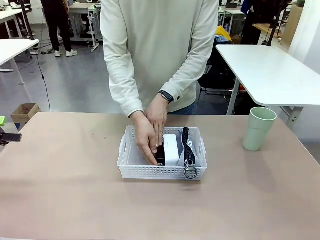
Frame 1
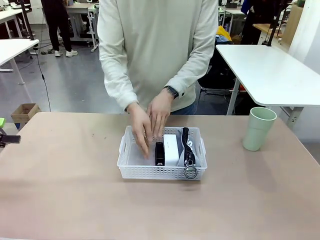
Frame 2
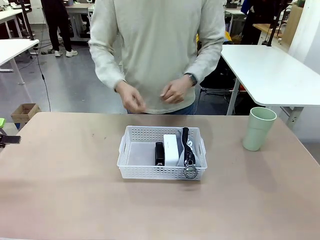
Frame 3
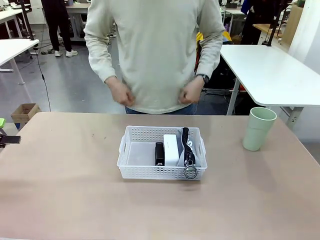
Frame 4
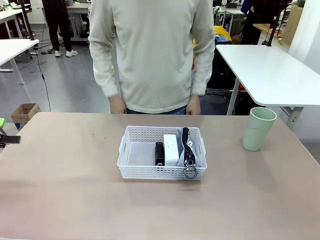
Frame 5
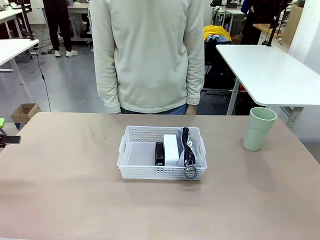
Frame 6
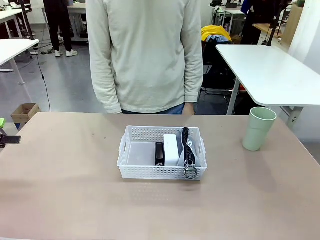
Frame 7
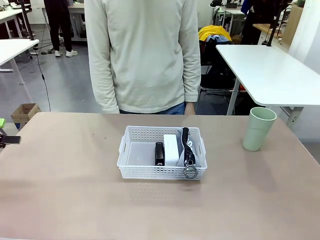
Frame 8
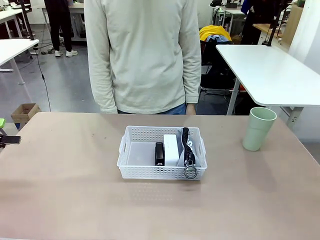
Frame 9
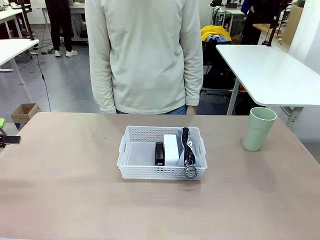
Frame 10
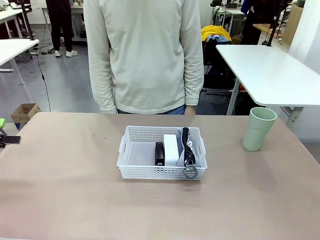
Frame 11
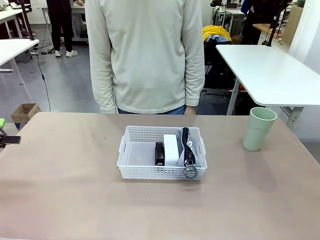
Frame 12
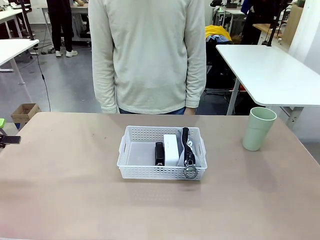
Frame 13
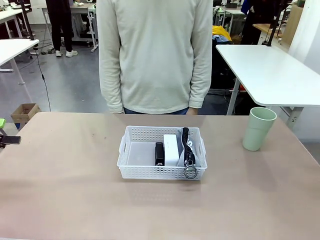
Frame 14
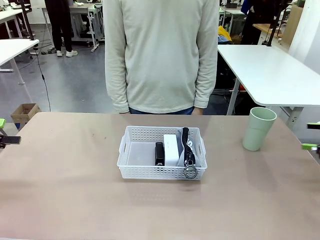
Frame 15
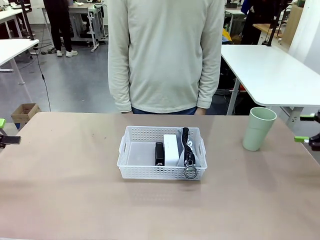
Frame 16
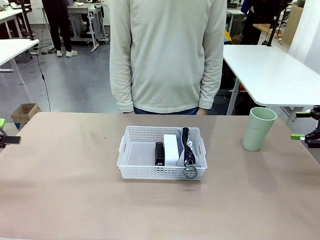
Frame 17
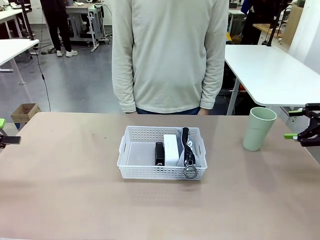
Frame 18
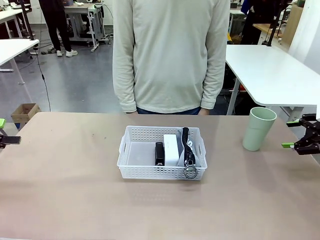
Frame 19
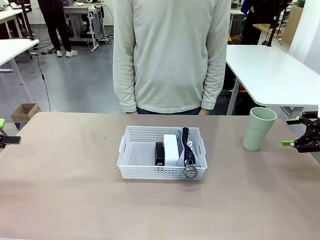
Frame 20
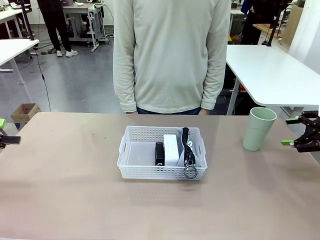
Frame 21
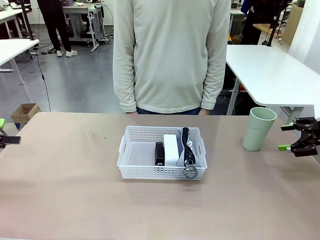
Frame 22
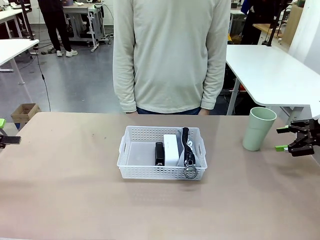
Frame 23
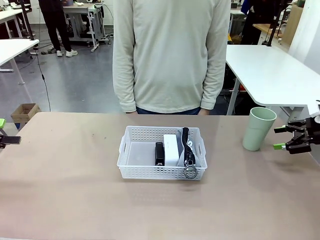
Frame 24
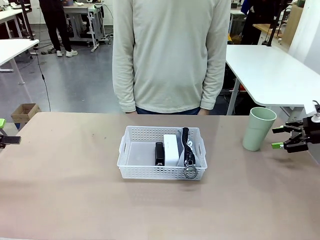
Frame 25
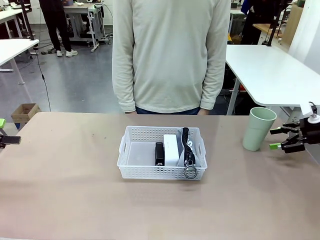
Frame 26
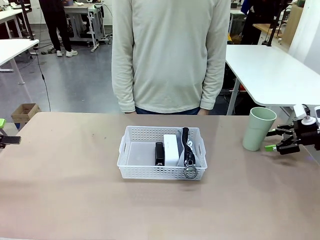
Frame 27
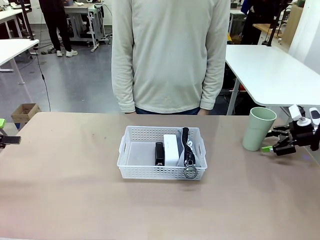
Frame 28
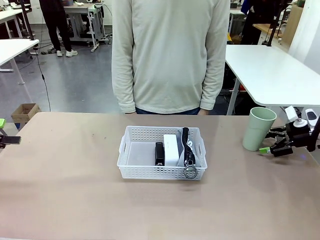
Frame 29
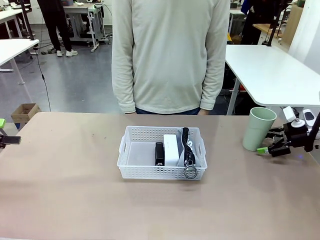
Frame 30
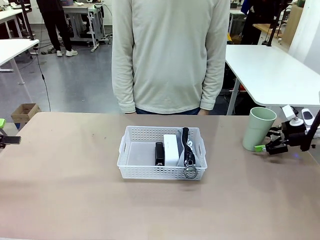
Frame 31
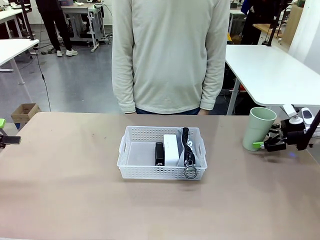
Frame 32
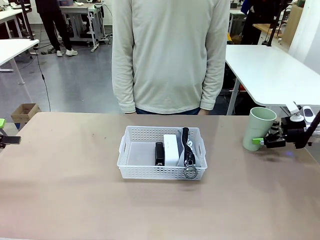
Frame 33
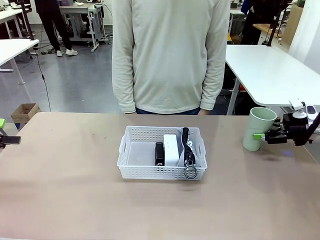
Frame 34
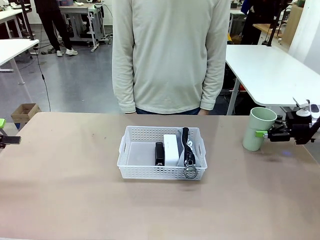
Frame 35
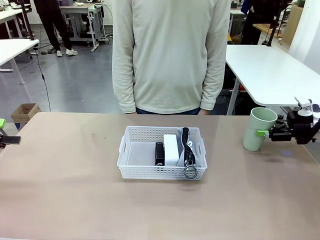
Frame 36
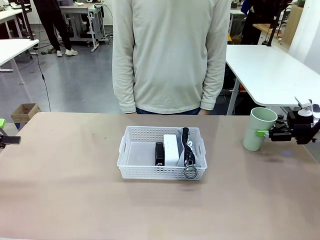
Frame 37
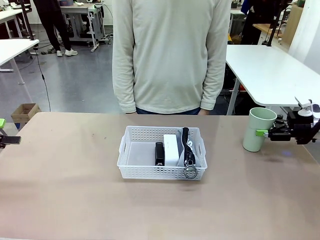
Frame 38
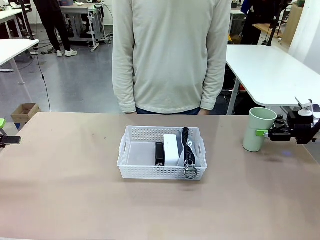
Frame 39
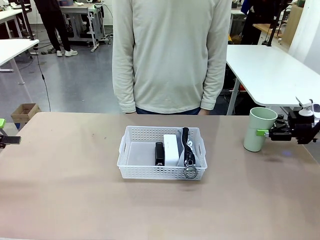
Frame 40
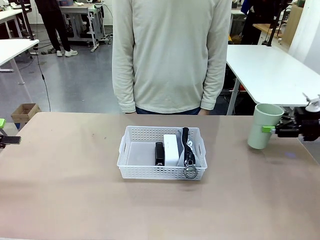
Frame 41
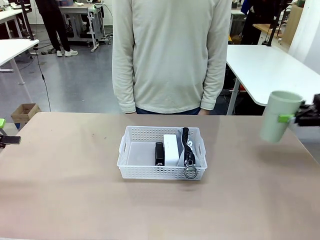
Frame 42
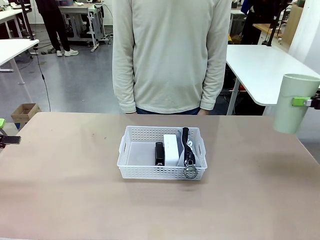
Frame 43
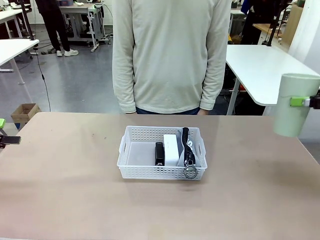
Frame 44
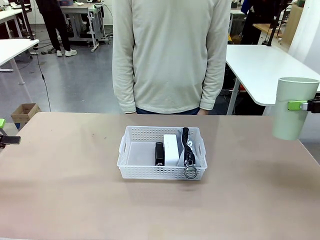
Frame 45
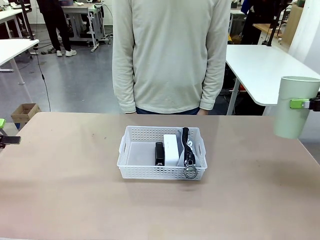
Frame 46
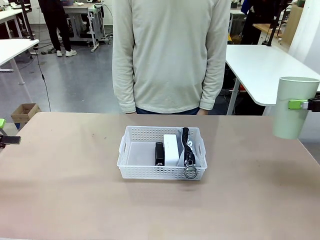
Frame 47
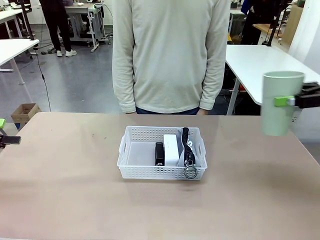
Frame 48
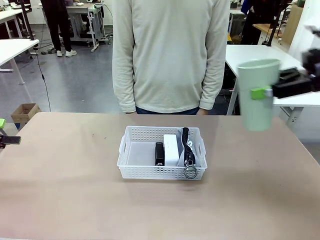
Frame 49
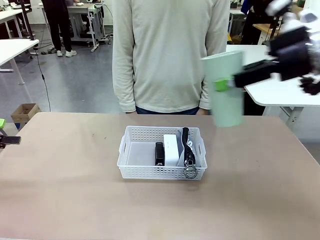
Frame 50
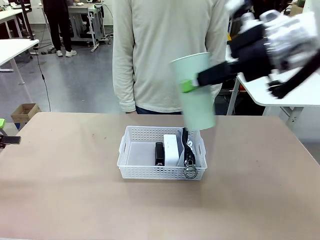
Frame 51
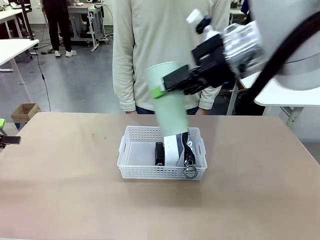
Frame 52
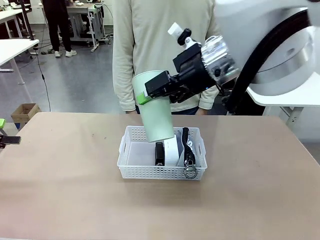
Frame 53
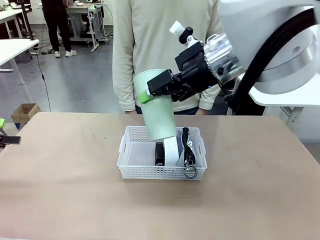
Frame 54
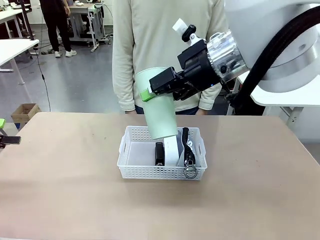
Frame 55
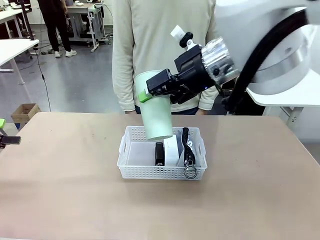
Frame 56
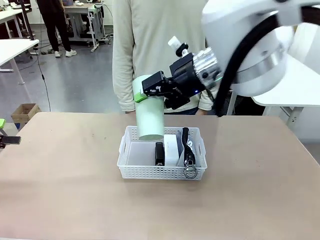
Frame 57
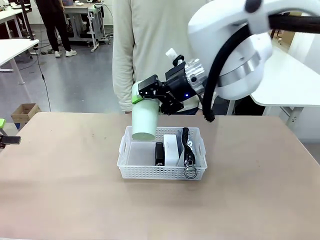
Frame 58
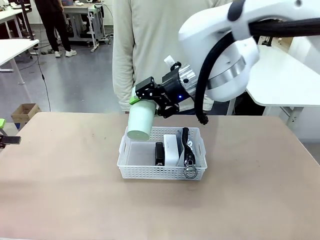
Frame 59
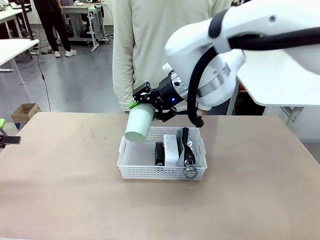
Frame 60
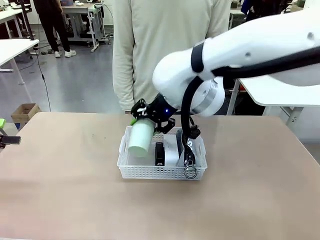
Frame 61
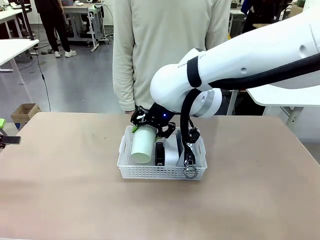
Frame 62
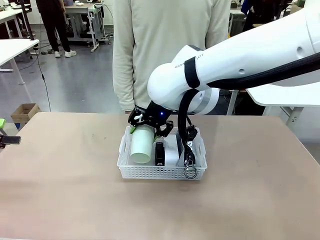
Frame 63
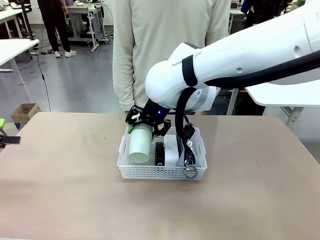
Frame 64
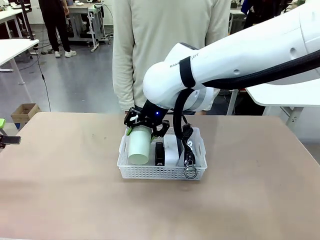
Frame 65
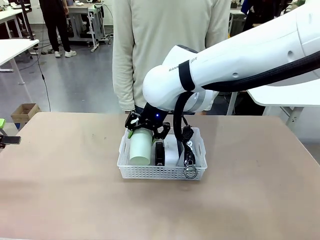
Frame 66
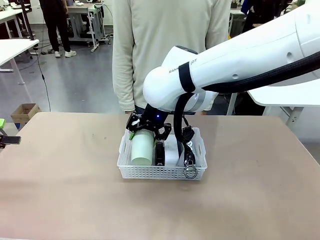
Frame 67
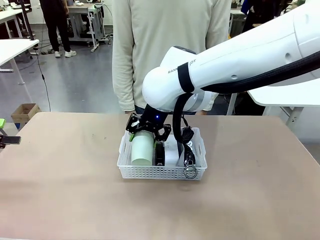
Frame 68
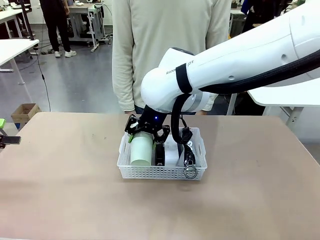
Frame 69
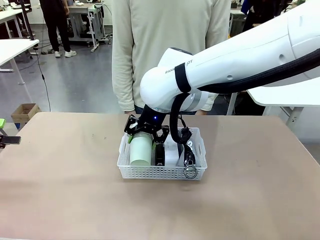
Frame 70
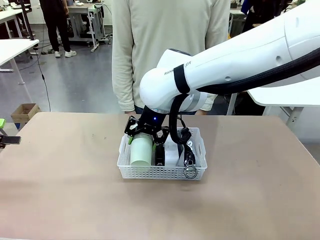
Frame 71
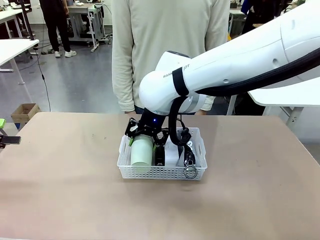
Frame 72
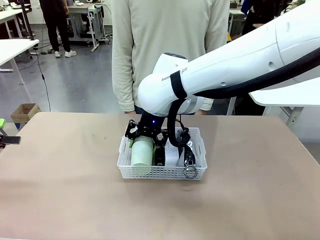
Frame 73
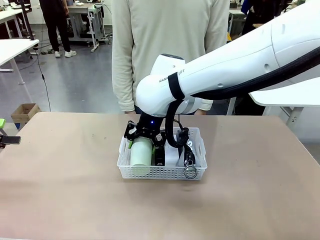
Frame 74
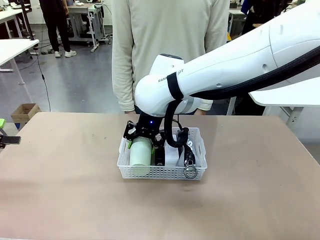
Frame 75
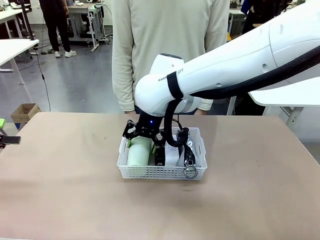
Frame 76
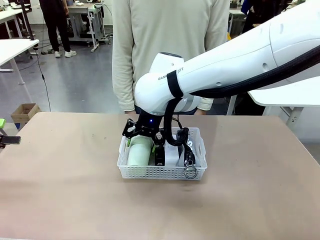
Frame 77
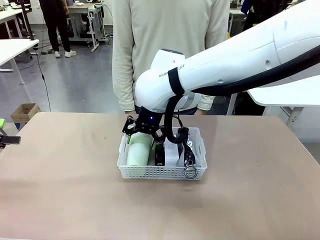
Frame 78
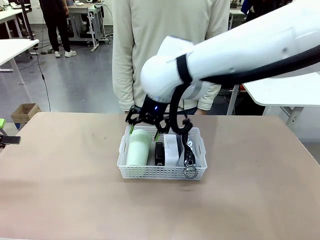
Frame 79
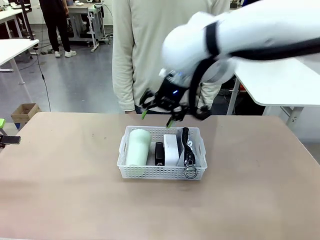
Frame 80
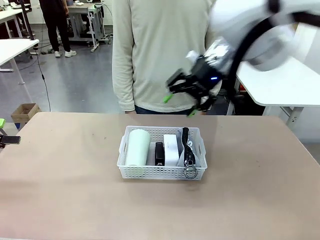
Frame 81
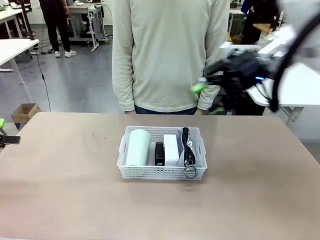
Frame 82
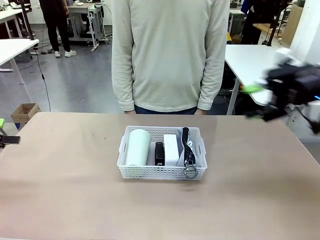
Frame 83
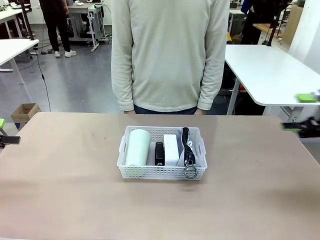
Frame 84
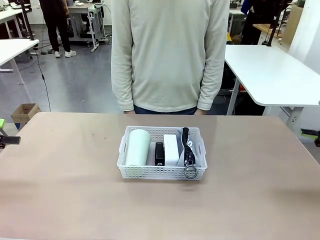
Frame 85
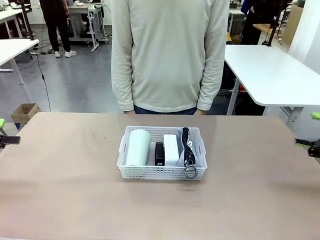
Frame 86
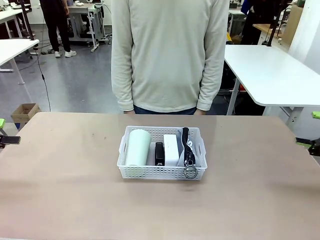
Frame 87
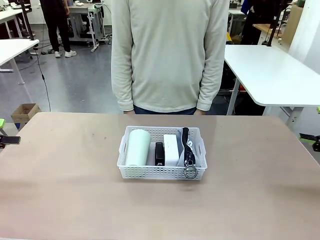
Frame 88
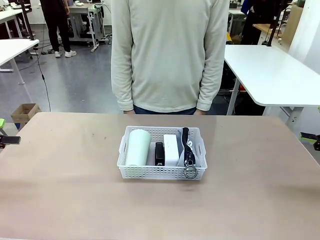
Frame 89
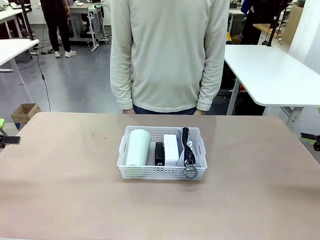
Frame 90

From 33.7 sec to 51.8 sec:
Task: Efficiently arrange items inside the basket to fit them all.
Robot: Pick up the Reusable plastic cup and place it inside the Organizing basket.
Person: Repositions the stapler.
